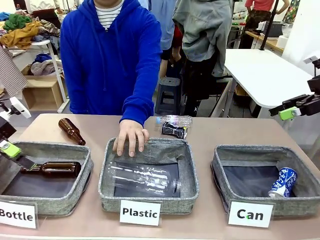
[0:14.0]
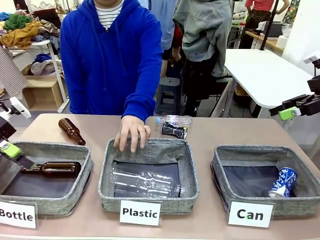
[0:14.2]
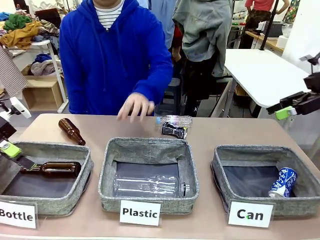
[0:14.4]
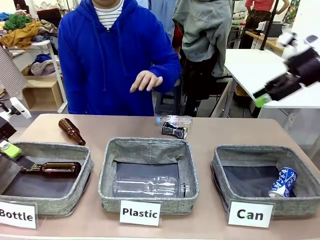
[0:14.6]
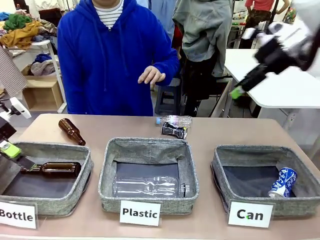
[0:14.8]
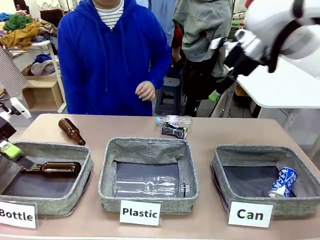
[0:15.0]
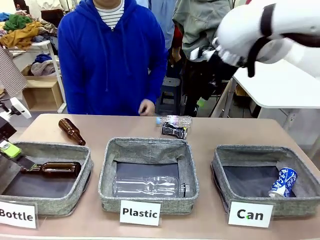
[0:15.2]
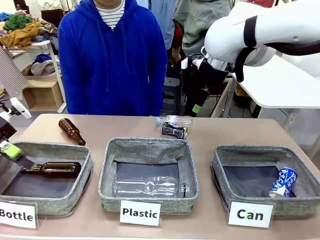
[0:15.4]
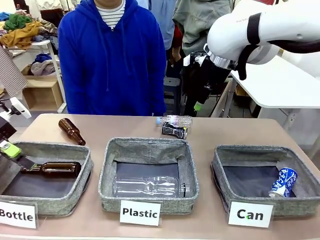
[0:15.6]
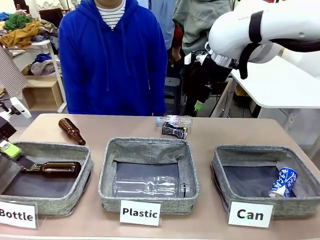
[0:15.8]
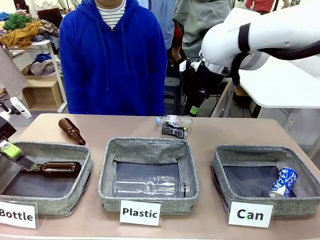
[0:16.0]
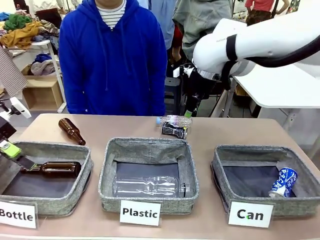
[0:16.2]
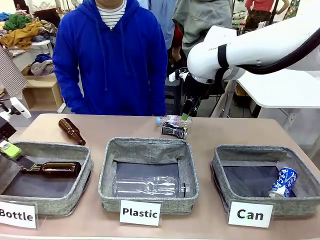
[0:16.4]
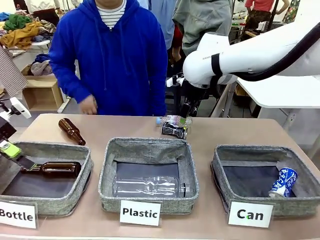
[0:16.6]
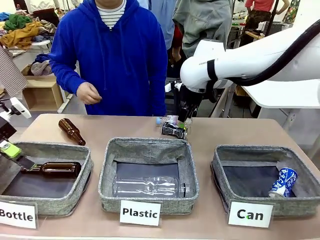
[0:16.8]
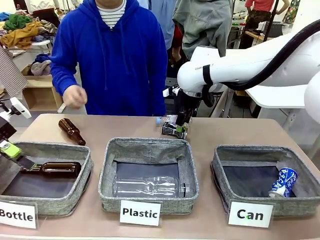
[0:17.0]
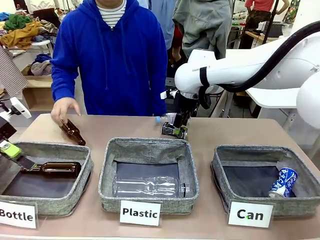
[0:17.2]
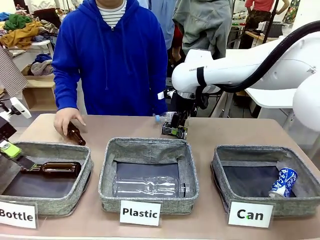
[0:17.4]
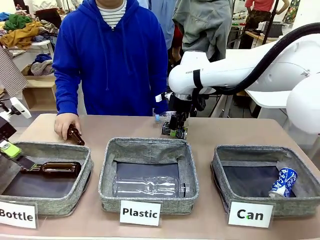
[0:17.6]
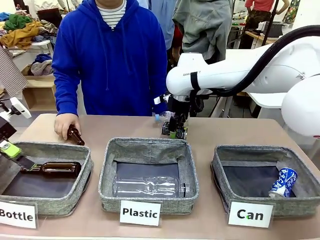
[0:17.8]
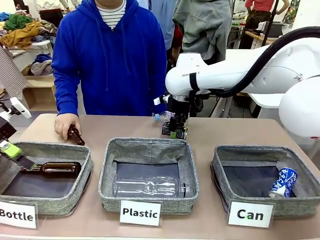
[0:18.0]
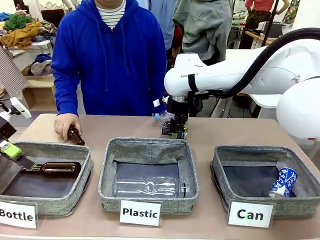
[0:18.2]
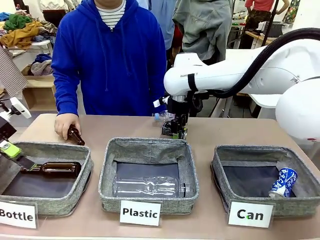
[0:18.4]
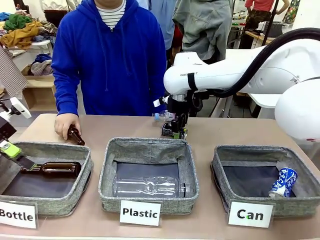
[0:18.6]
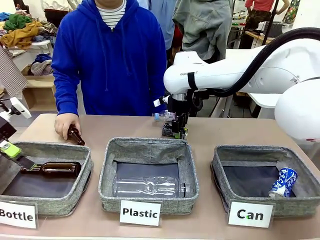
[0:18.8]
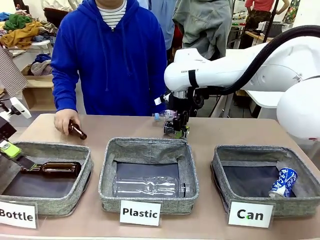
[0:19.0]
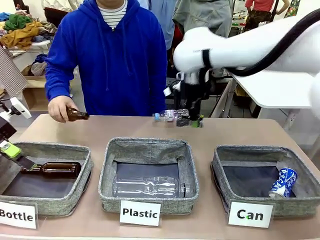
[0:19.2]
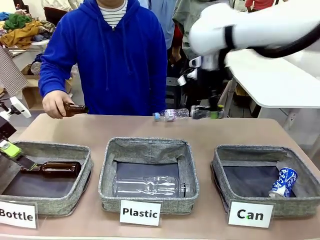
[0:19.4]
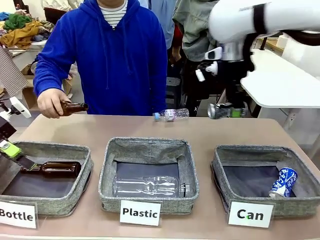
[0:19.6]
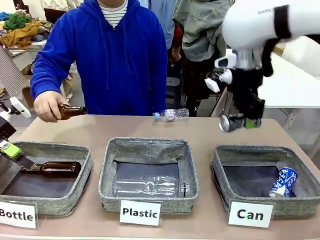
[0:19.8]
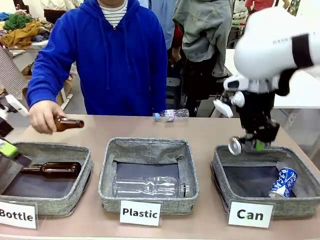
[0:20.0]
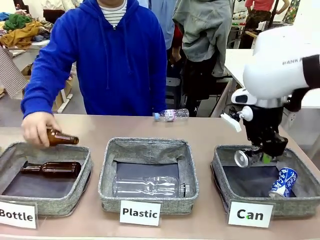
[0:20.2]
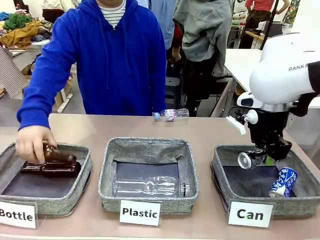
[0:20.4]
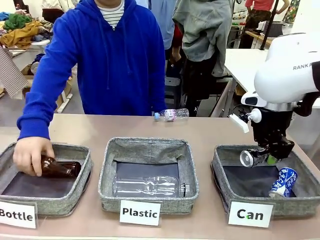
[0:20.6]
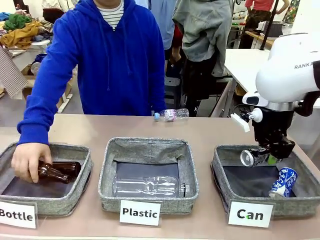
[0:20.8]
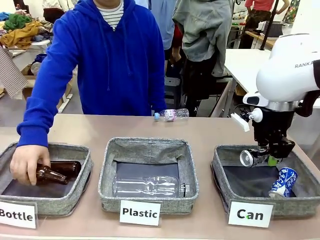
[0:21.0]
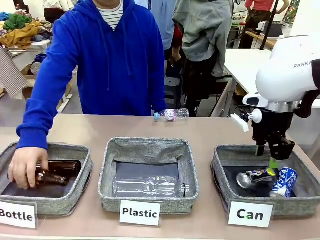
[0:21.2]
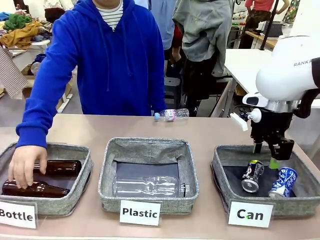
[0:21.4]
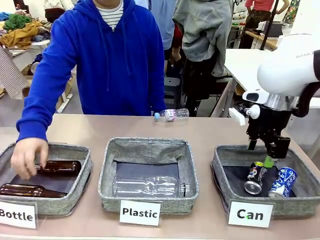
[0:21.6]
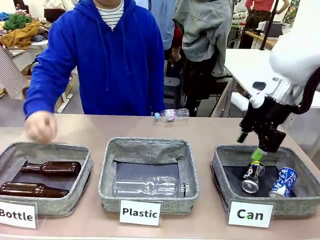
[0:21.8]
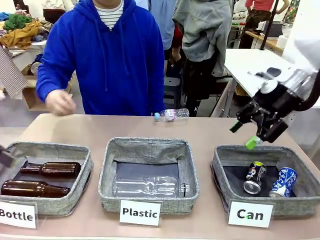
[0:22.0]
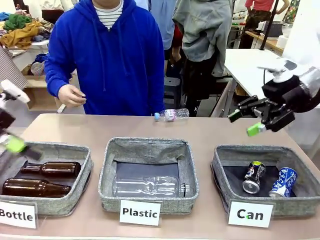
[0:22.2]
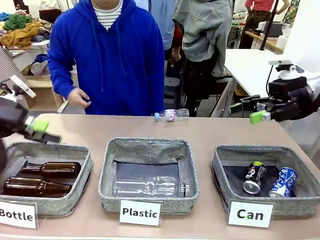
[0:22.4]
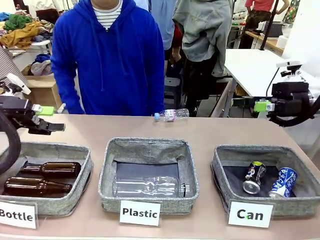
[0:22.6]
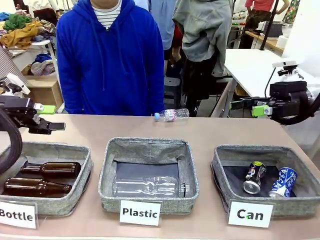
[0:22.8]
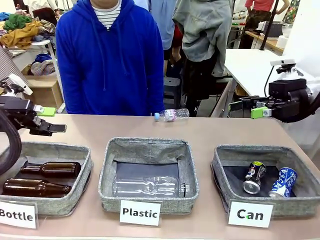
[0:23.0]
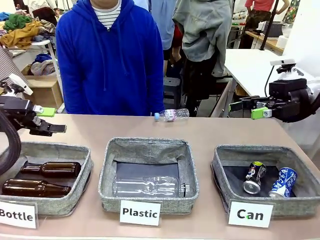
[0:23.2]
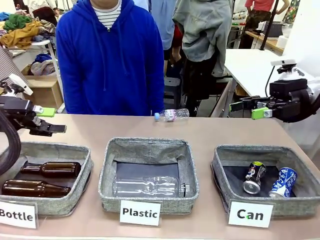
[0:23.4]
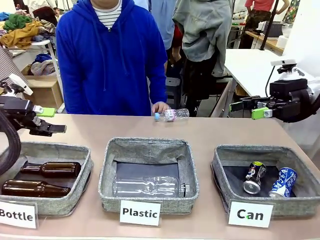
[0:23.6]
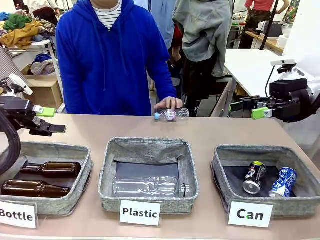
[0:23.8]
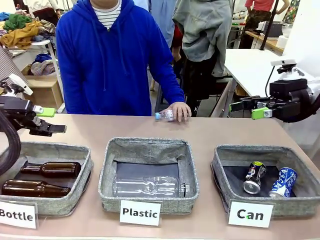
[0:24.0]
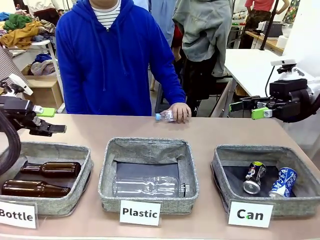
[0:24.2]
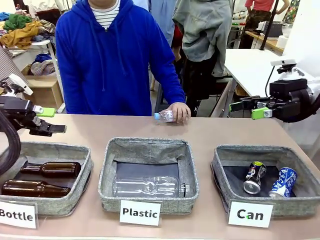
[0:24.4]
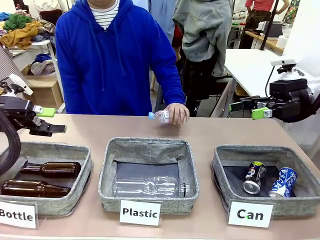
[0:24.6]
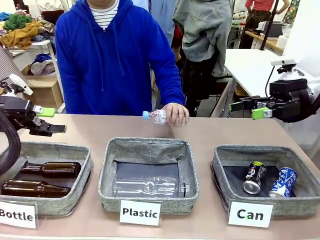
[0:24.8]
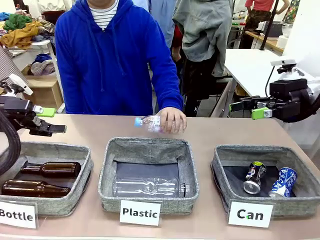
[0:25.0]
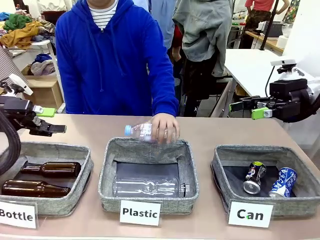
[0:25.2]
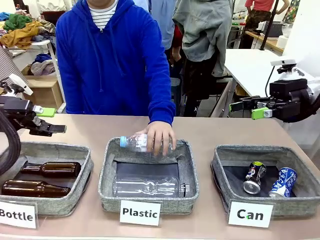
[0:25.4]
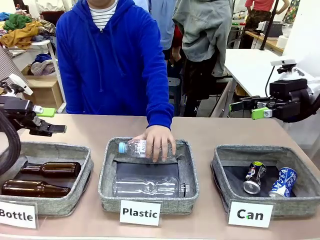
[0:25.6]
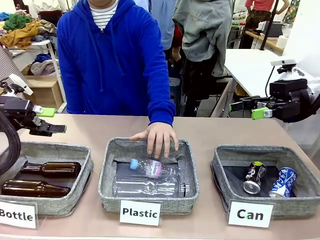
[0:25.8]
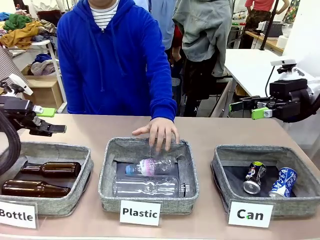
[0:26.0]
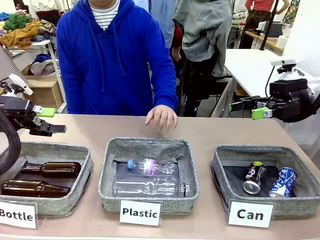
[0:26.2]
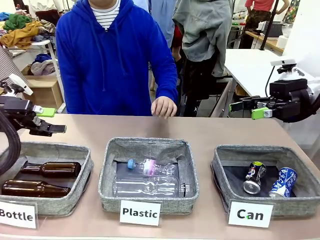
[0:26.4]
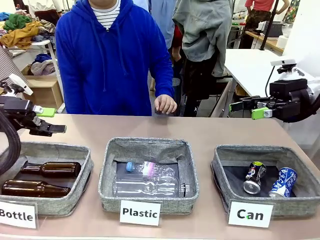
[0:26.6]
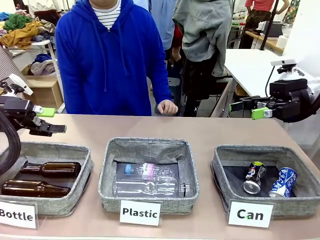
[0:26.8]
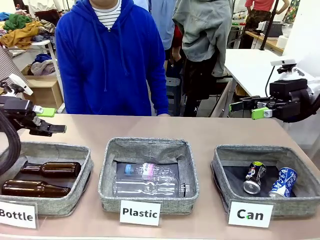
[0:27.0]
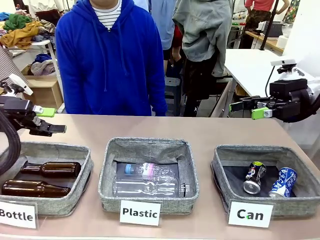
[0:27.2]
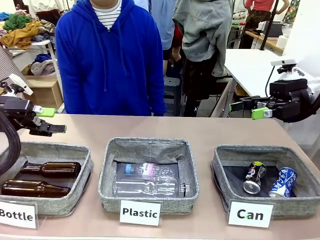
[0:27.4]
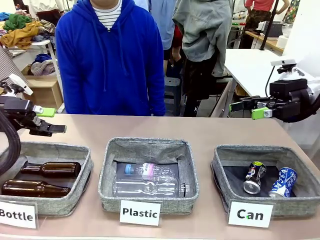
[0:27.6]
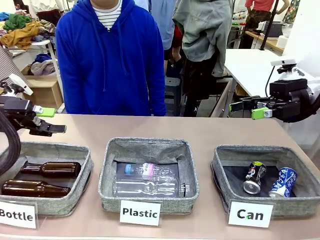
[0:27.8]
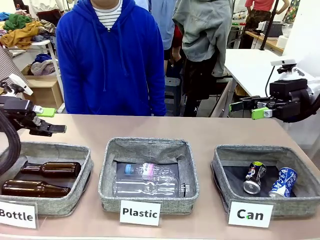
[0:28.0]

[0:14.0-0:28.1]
Task: Sort the can waste into the basket.
Robot: Pick up the can waste from the table and place it in the right Fabric basket.
Person: The human picks up one piece of trash that is not a can and places the trash into the appropriate organizing basket.
